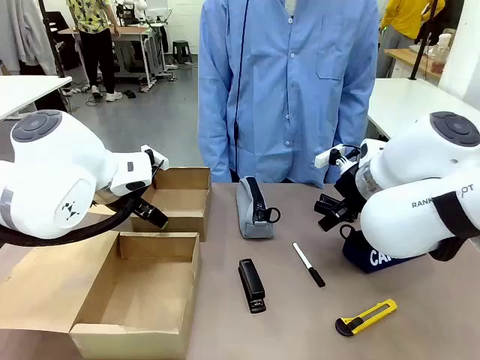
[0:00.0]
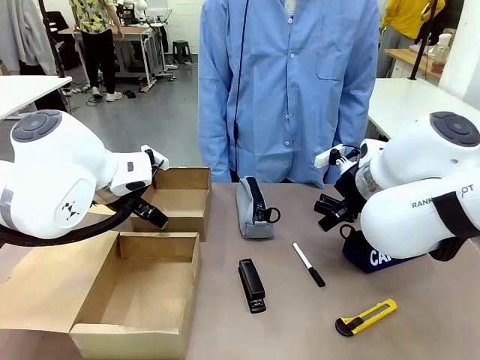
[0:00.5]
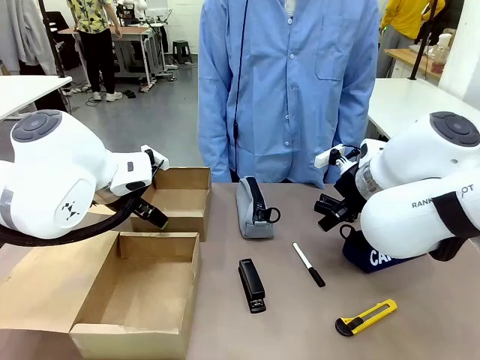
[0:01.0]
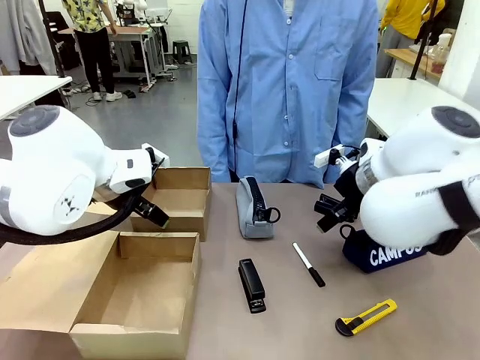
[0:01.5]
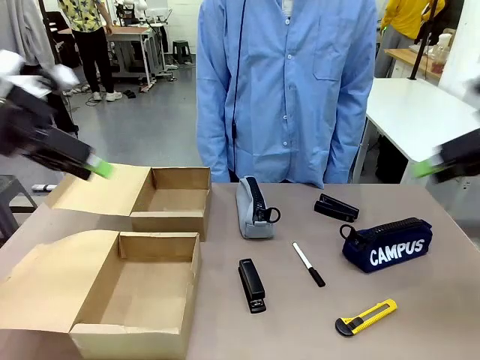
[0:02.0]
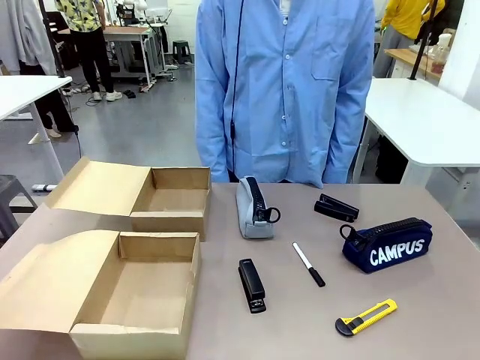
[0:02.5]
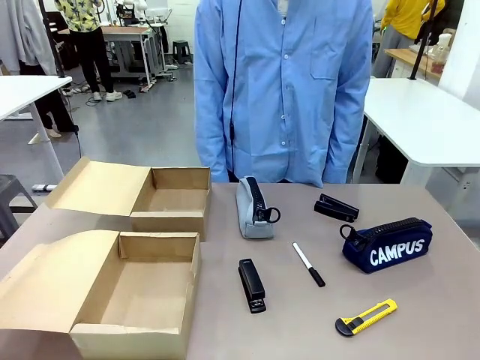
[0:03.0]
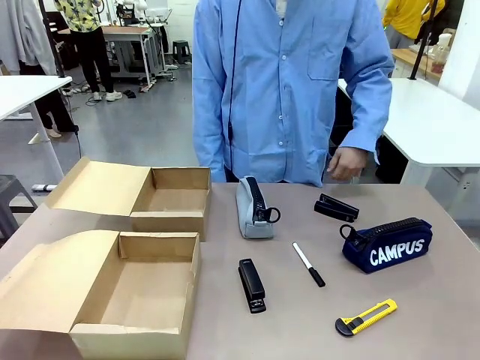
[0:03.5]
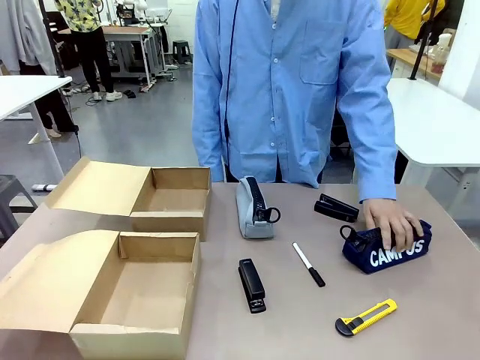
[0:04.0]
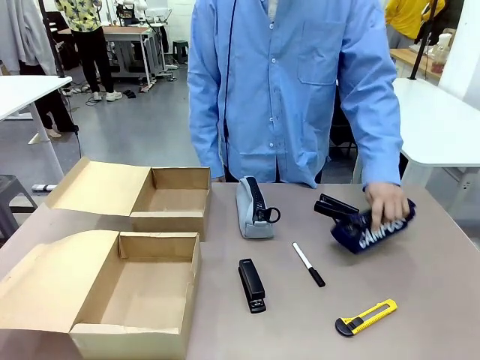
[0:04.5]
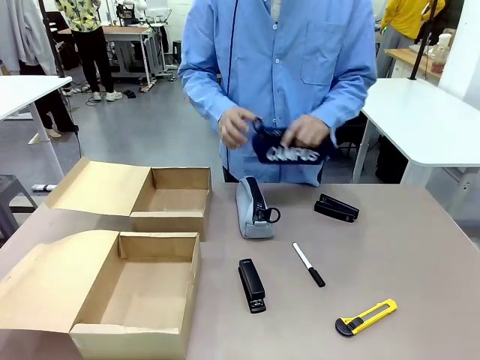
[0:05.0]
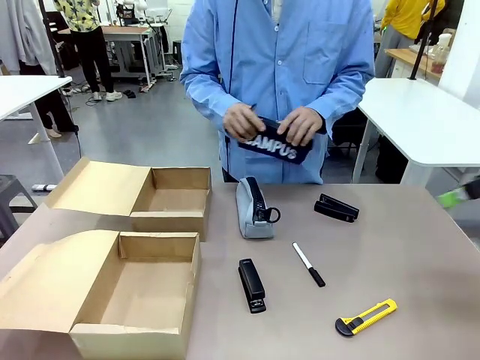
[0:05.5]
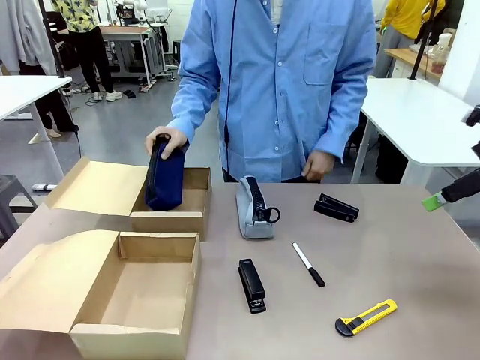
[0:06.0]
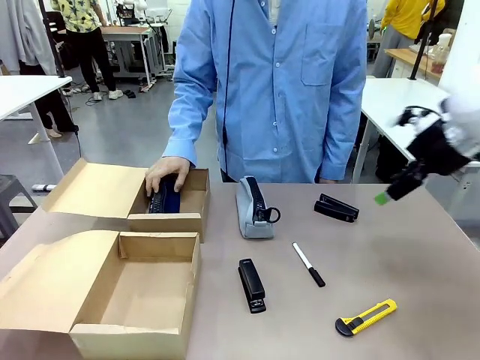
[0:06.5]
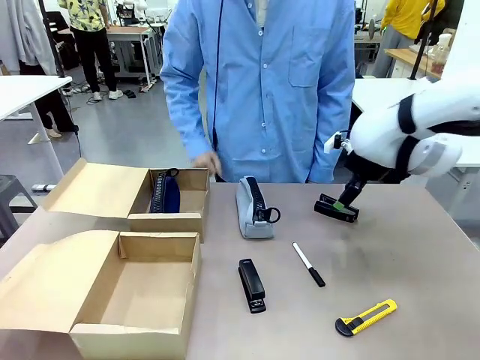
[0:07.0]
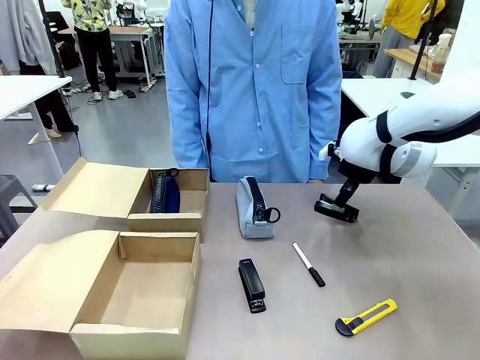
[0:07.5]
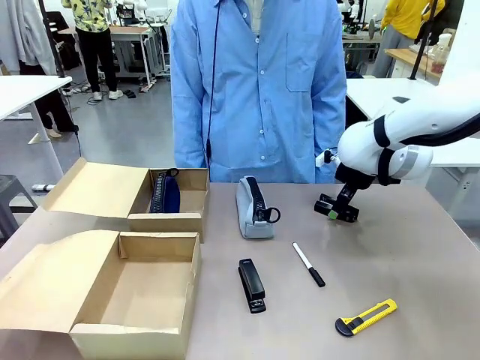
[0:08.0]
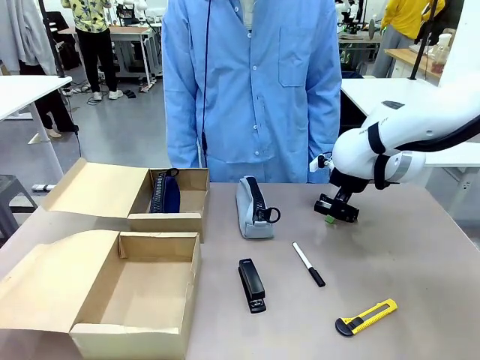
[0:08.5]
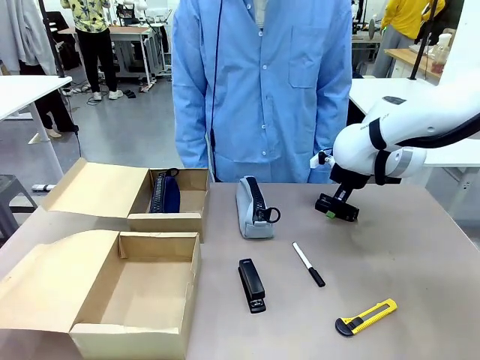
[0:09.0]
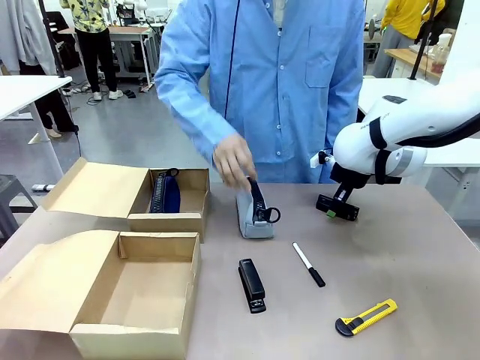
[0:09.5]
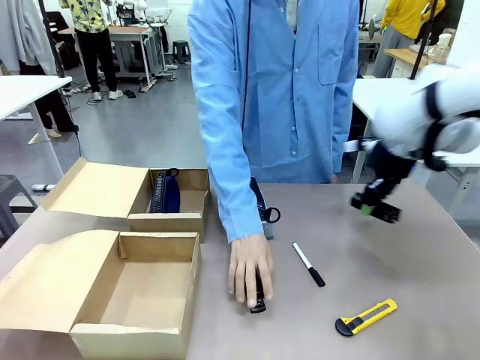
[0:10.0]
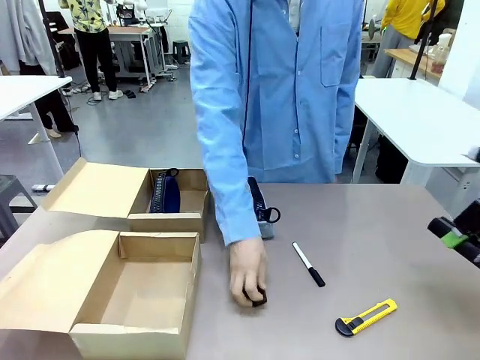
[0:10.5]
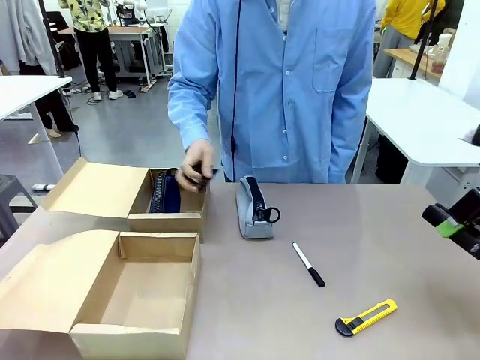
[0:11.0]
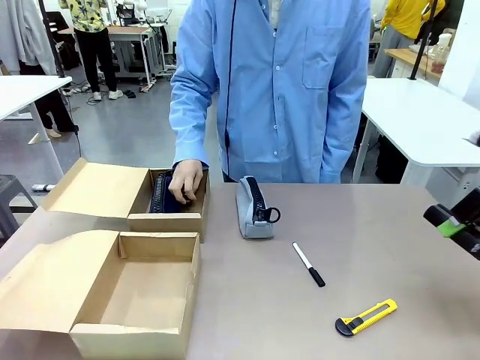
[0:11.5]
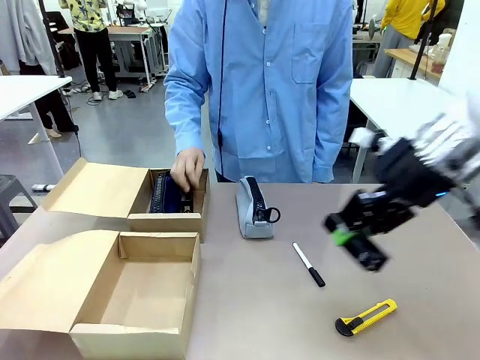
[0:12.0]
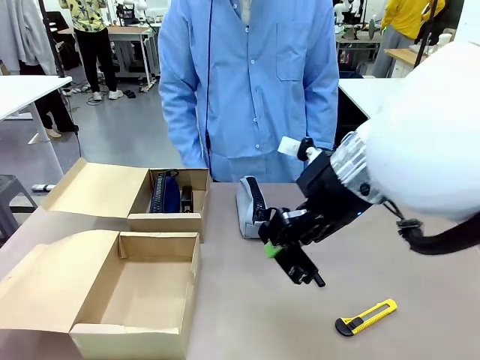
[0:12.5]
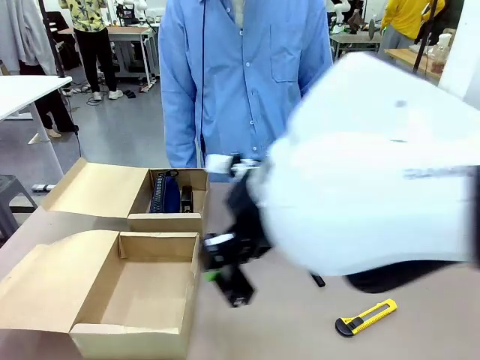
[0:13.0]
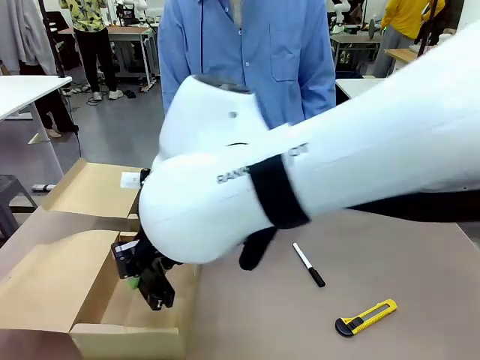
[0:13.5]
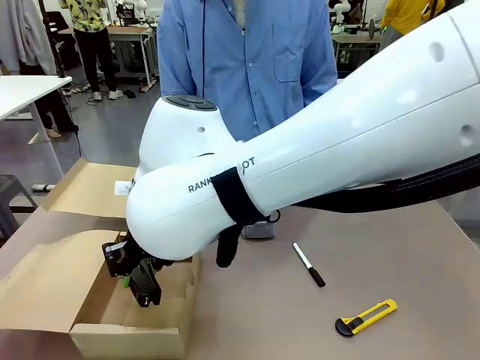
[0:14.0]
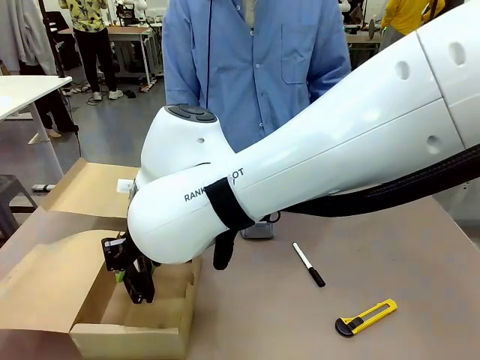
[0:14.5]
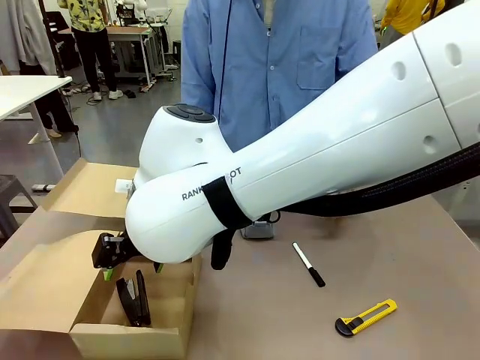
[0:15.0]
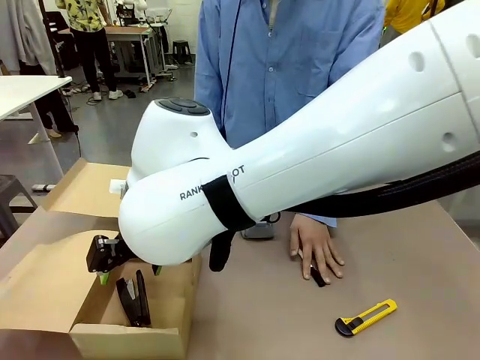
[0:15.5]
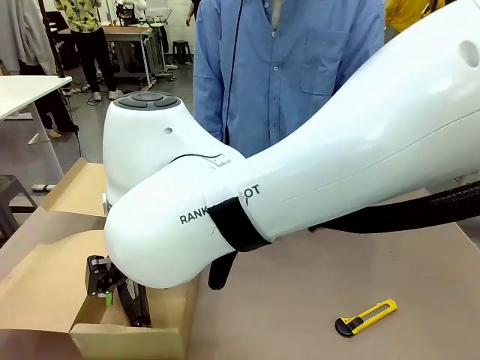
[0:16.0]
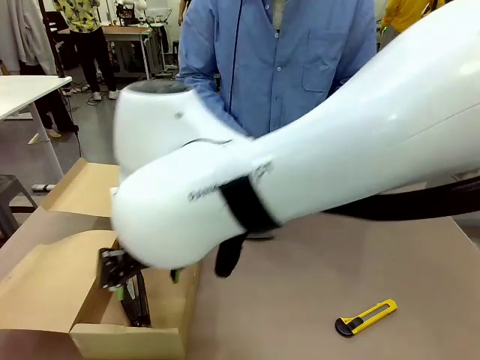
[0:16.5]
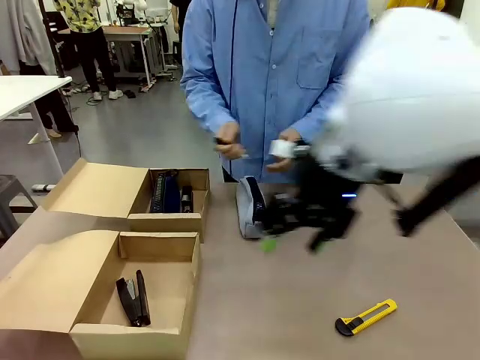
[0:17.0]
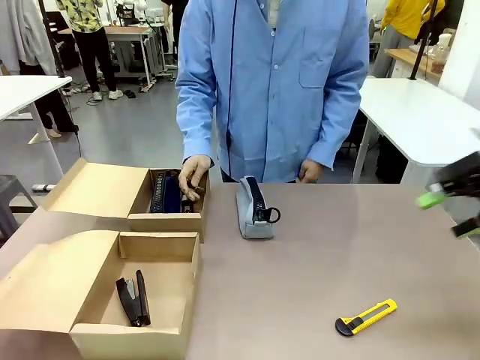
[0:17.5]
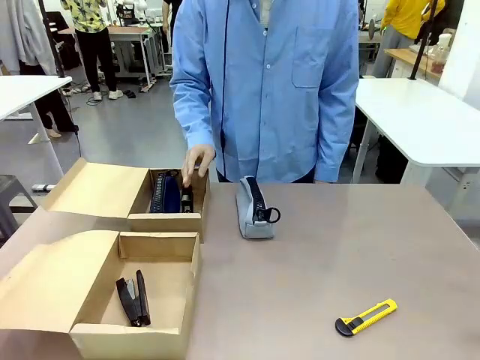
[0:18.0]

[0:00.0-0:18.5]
Task: Place items inside the box.
Robot: Pick up a Pencil pouch or Stapler and place it inside the Mailer Box closest to the robot.
Person: Pick up an object on the table and put it in the box.

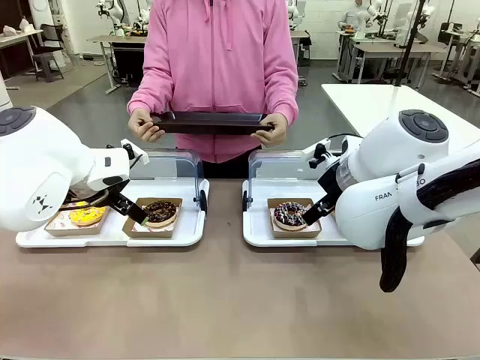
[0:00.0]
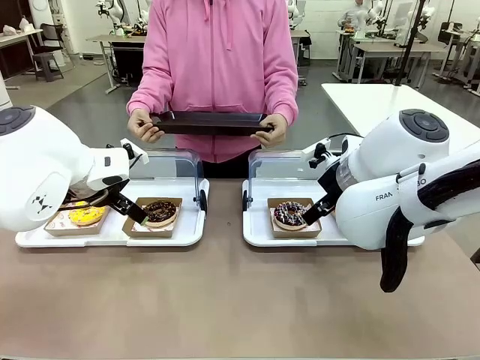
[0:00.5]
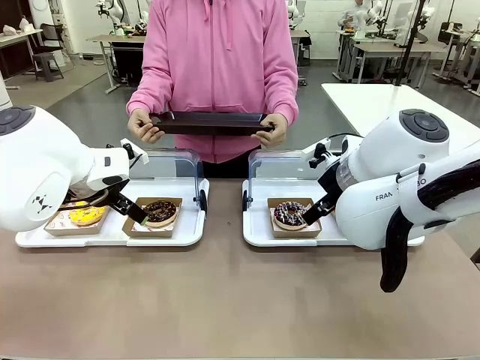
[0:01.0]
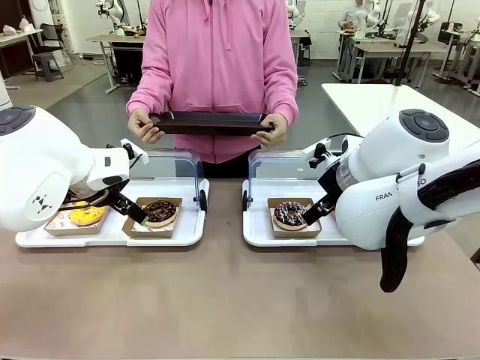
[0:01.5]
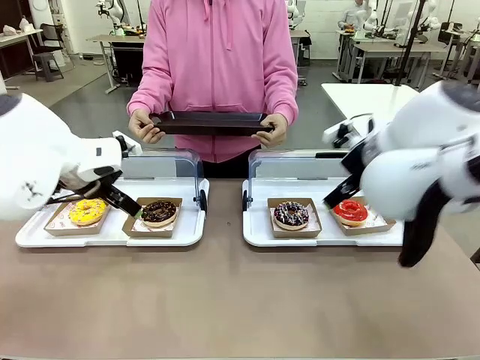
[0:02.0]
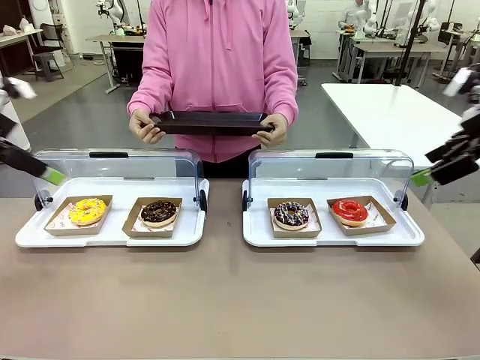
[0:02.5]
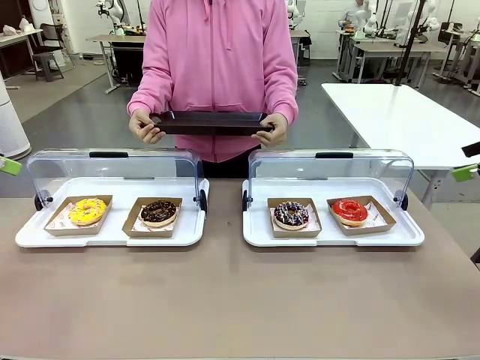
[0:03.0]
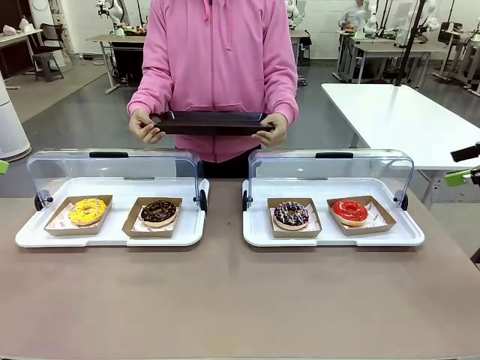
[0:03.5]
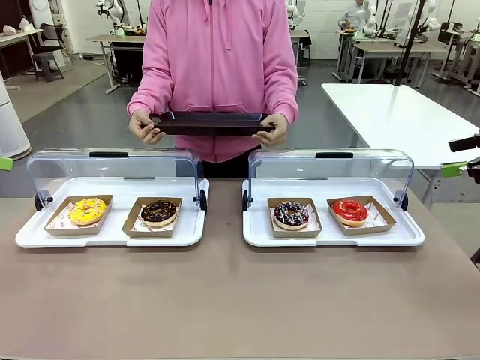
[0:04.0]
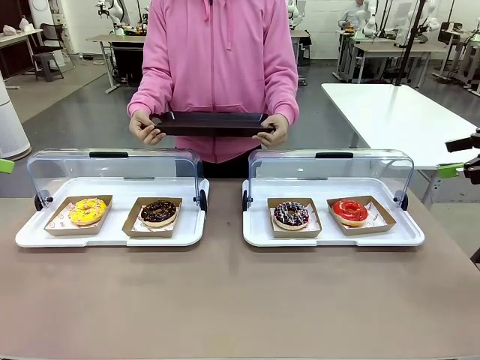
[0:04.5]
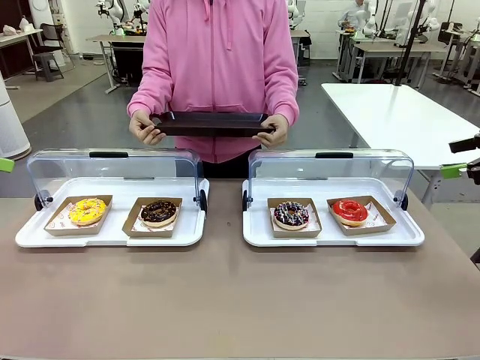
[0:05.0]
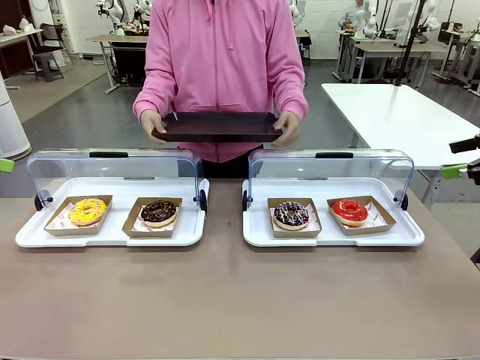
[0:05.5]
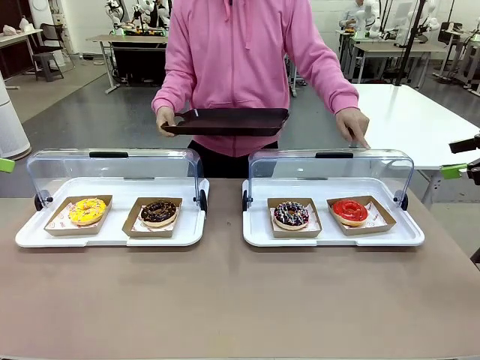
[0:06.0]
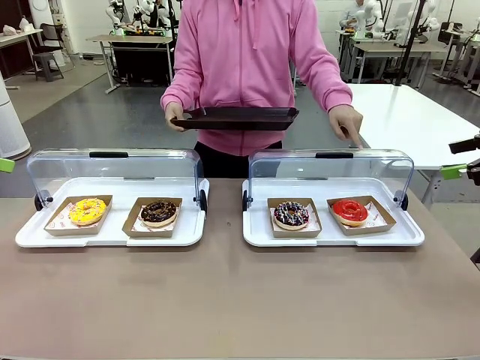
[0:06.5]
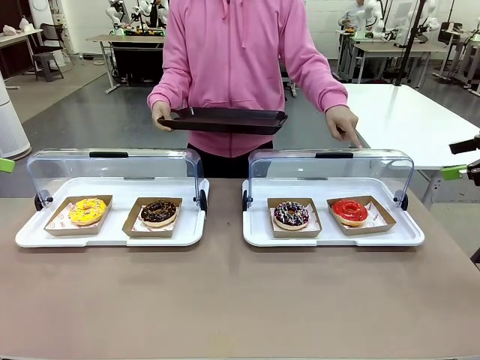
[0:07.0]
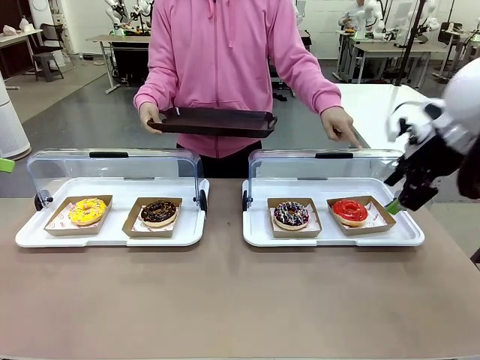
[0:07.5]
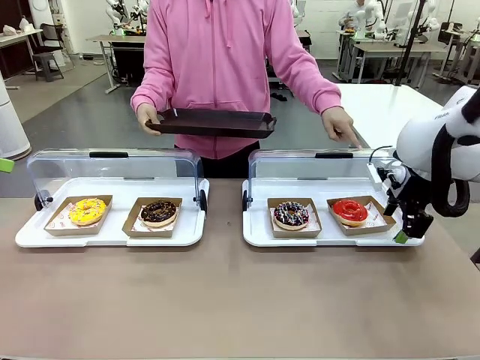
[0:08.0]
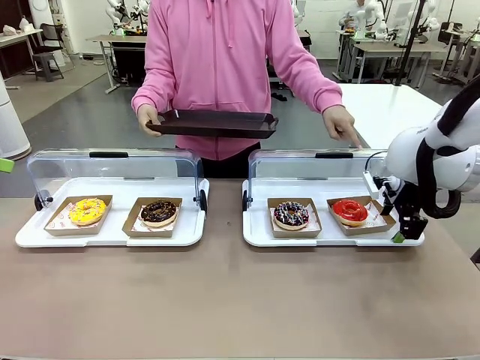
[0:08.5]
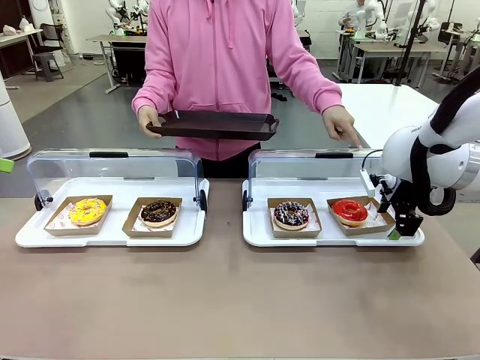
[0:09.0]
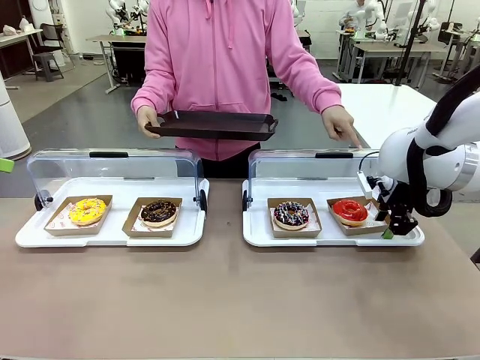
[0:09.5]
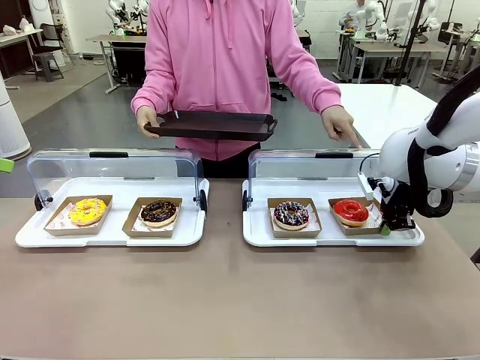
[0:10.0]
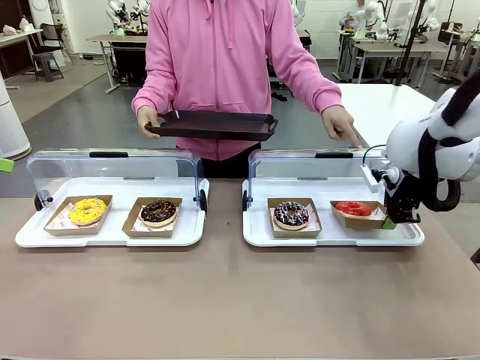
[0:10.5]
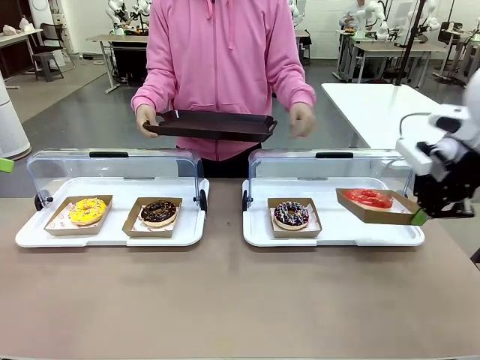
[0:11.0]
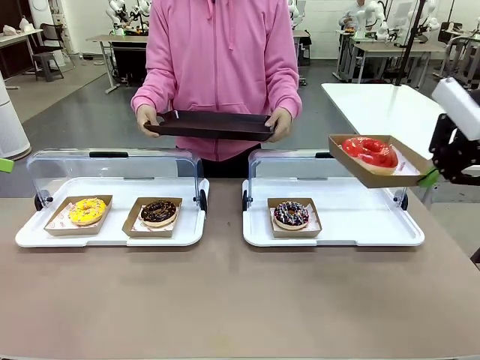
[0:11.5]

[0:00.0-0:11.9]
Task: Provide the desired donut to the person.
Robot: Pick up and lift the Paper togo box containing the Donut pointed at by the person.
Person: Point to one donut. Lift the tray onto the Roll-Top Bakery Case.
